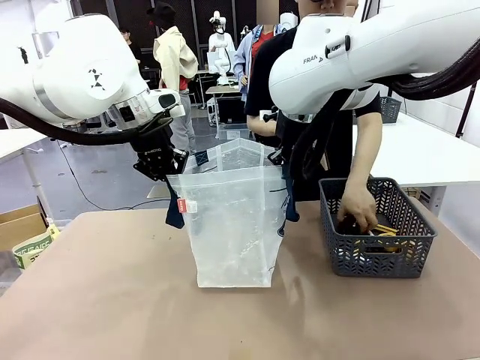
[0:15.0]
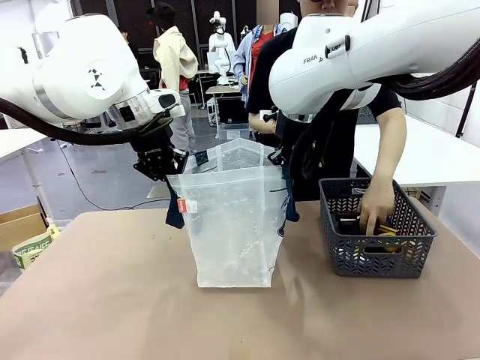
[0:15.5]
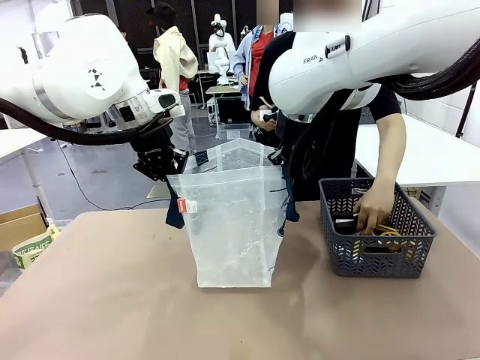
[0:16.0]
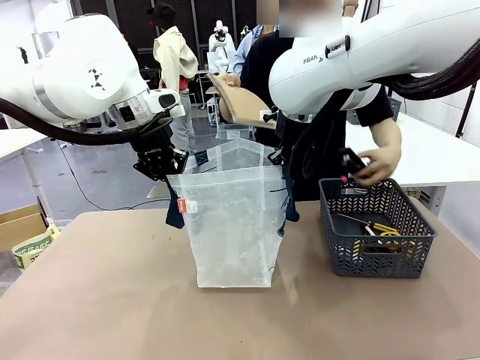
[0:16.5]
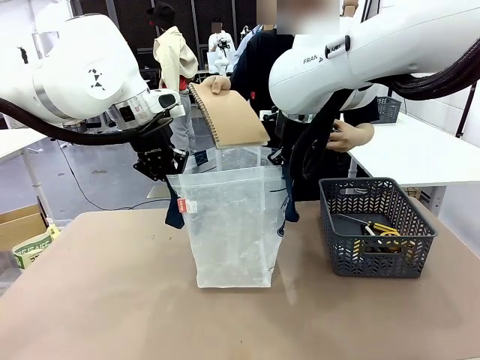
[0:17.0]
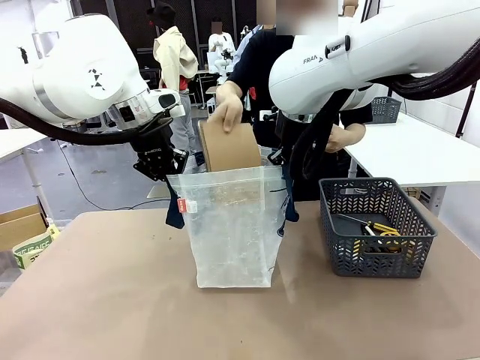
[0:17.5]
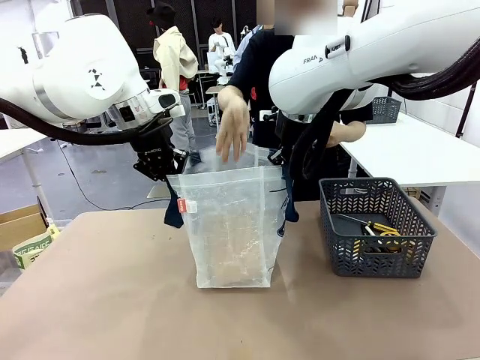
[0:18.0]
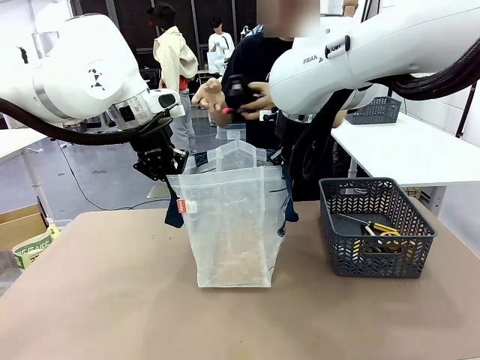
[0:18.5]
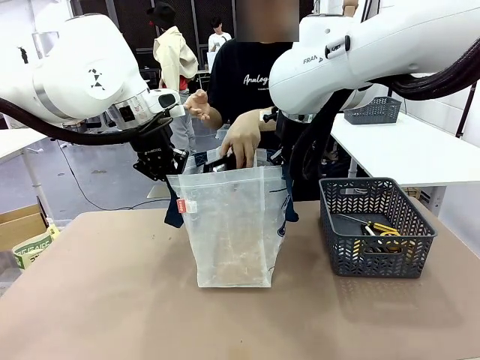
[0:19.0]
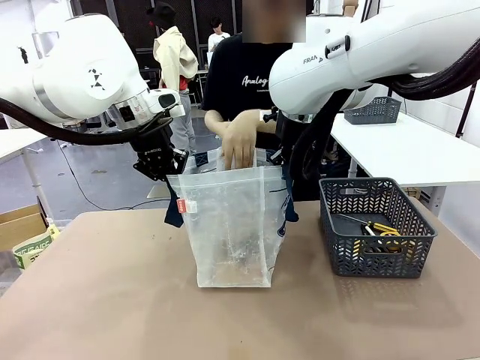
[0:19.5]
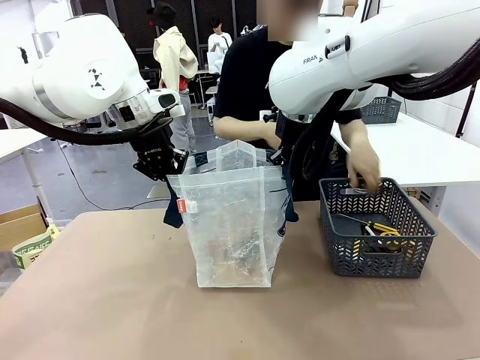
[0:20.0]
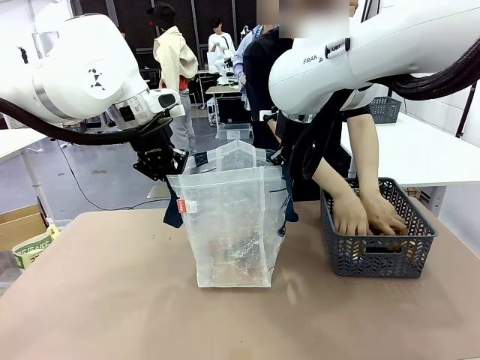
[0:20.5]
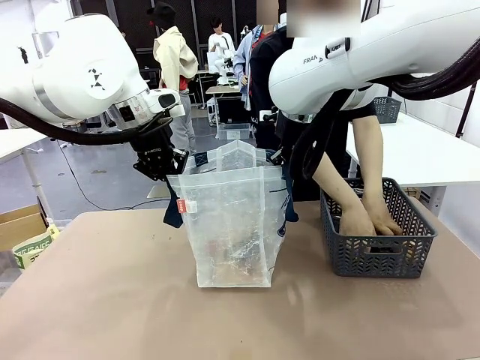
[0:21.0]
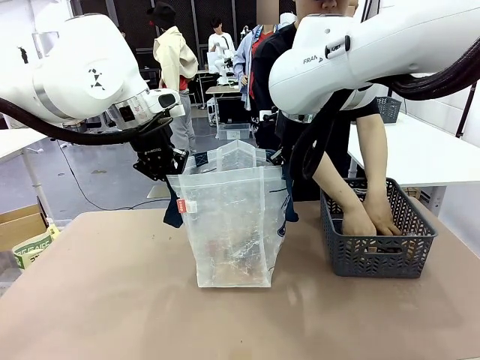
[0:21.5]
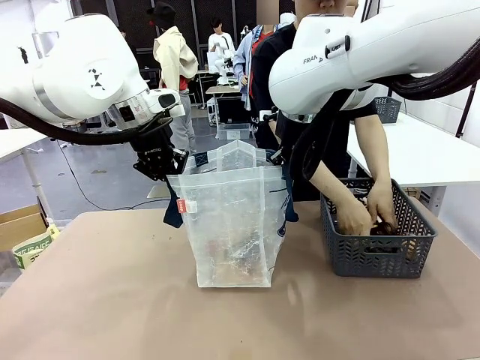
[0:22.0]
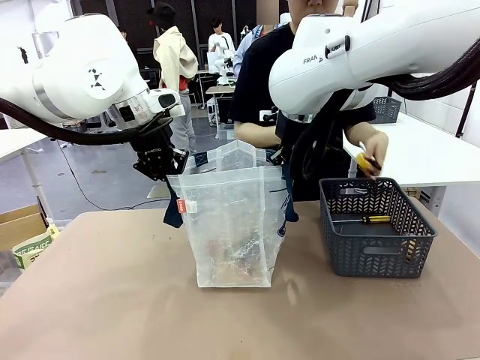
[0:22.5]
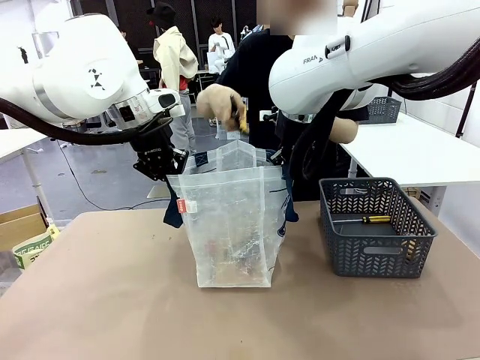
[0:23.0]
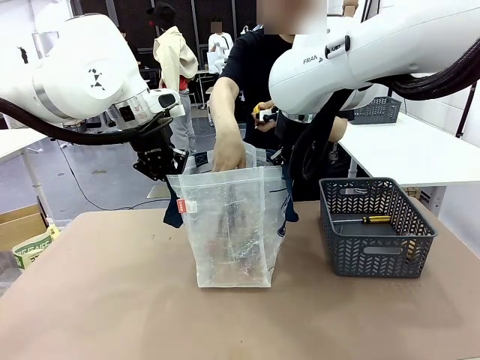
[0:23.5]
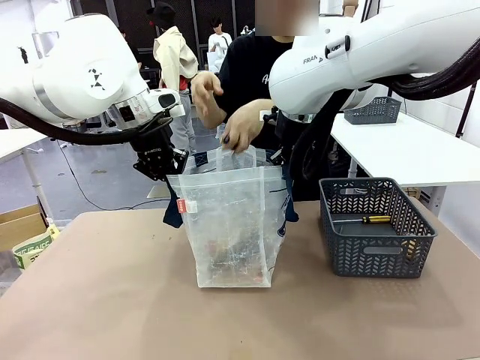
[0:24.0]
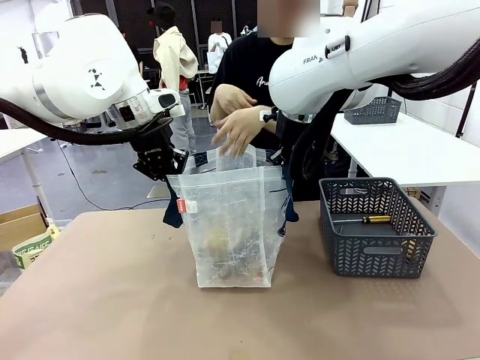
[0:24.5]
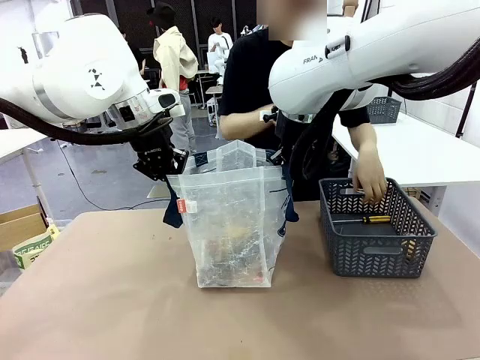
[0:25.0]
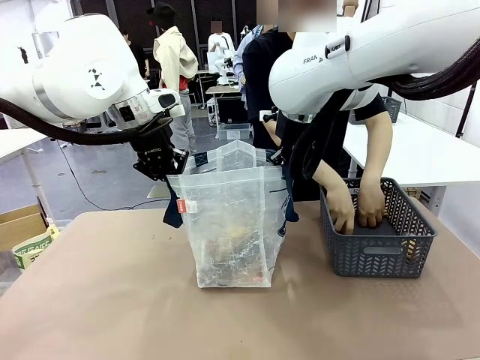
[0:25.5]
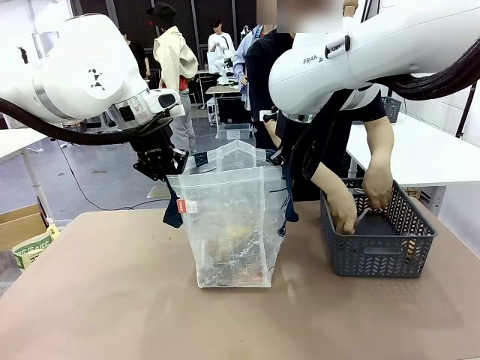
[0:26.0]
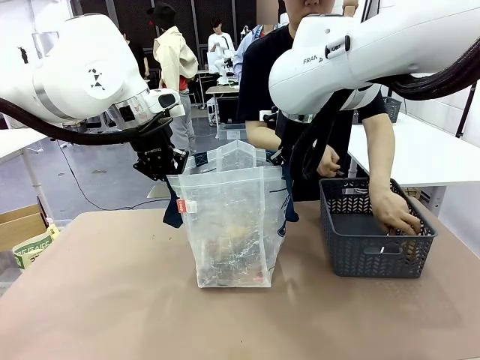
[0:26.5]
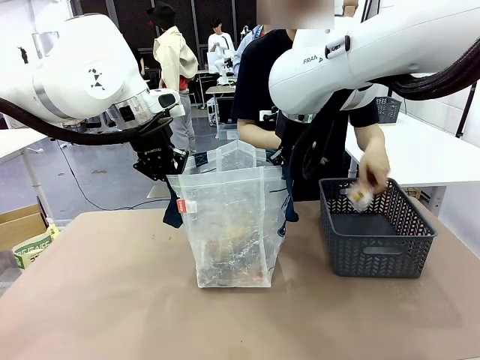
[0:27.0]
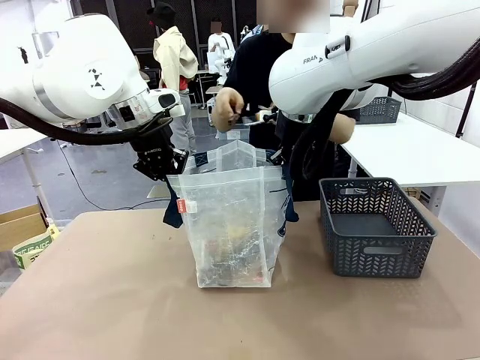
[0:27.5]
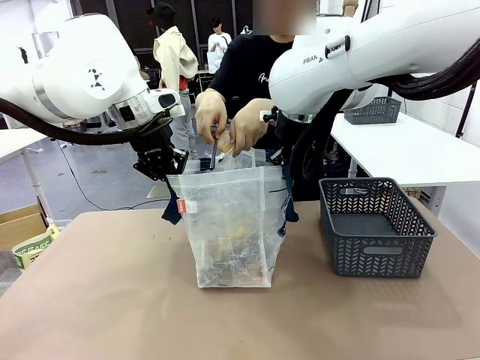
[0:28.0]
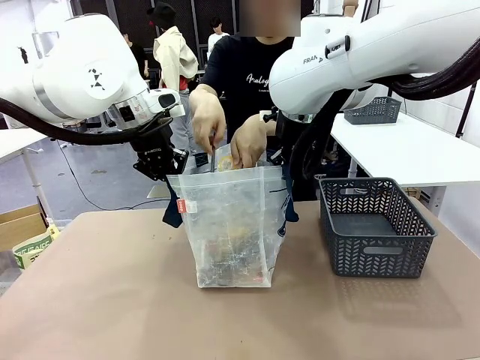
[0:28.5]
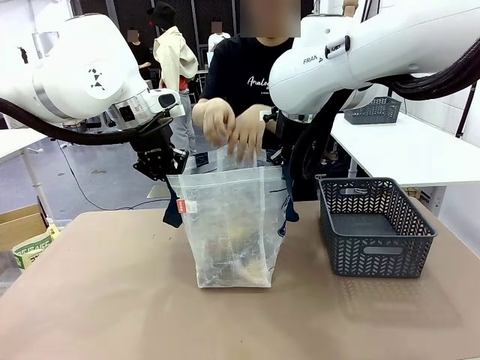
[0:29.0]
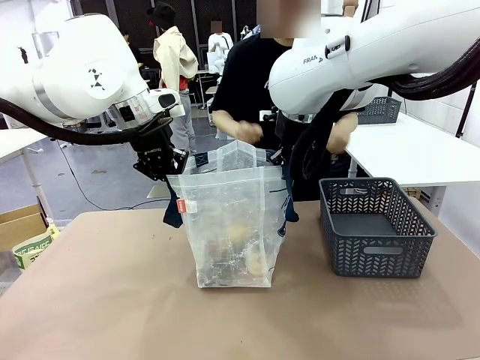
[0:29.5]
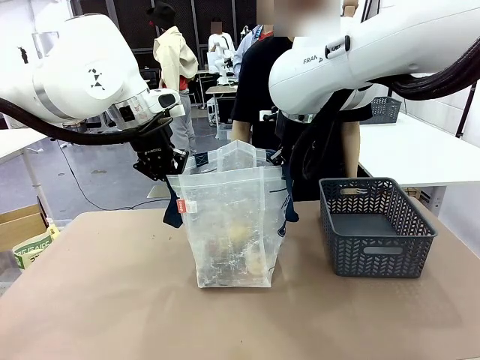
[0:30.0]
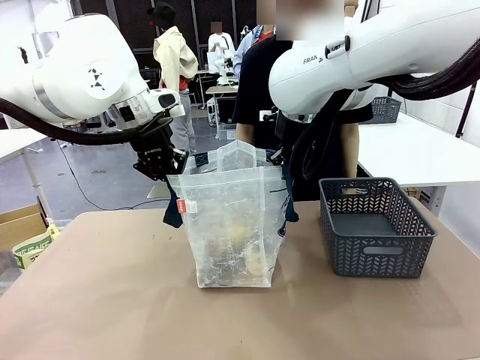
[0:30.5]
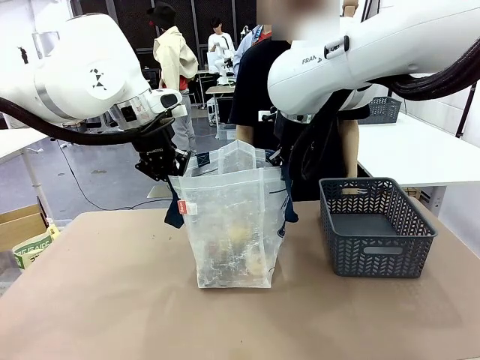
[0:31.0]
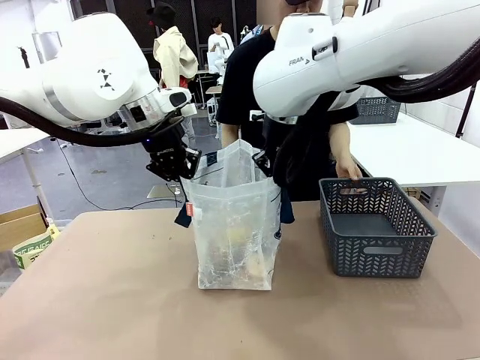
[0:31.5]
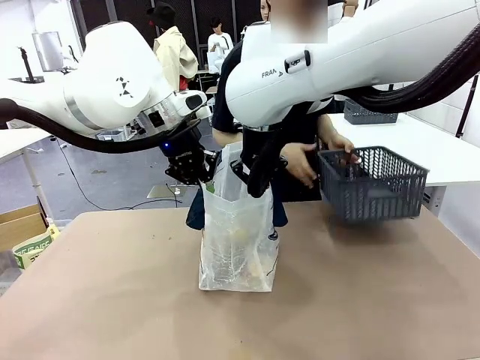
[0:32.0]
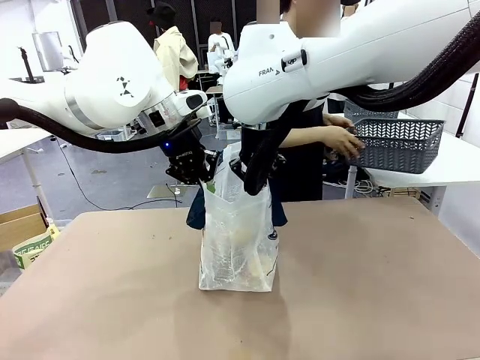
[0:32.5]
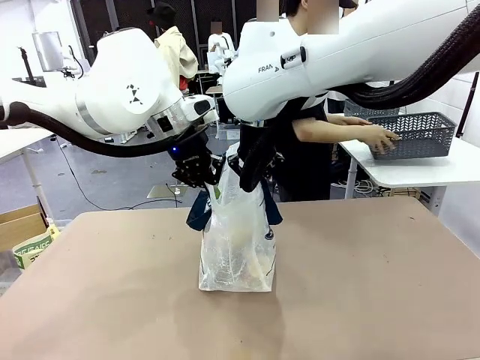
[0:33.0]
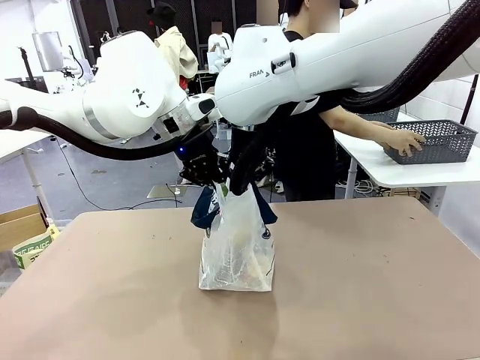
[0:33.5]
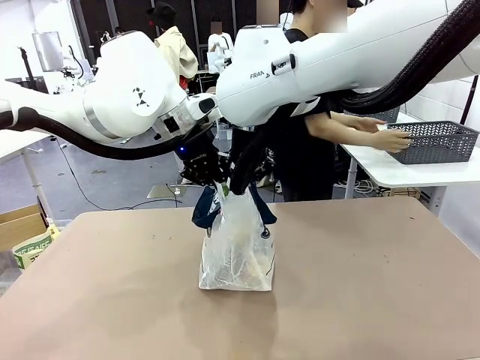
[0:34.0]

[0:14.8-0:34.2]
Task: Transfer purchased items from the store into the shopping bag.
Robot: Move the Reusable shopping bag to the right side of the table.
Person: Pick up the basket on the right, place it on the left side of the robot table, and move the items in the basket to the shopping bag. Pick up the basket with the items out and place it on the right side of the human table.
